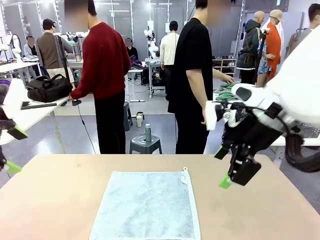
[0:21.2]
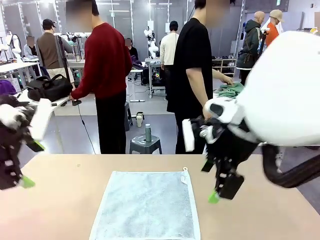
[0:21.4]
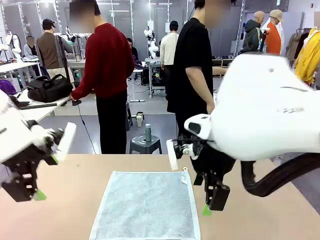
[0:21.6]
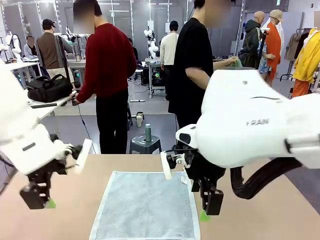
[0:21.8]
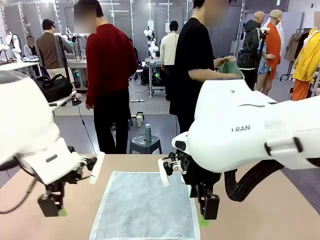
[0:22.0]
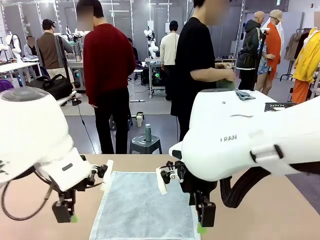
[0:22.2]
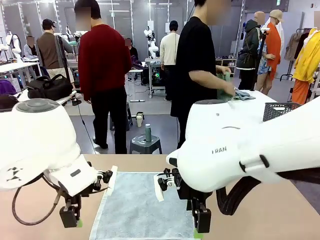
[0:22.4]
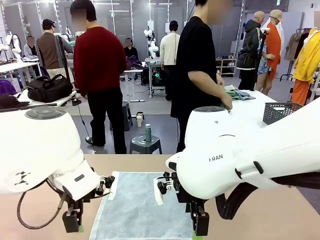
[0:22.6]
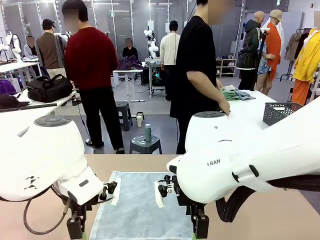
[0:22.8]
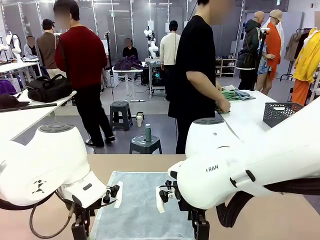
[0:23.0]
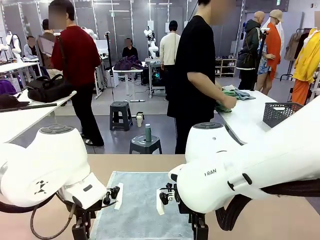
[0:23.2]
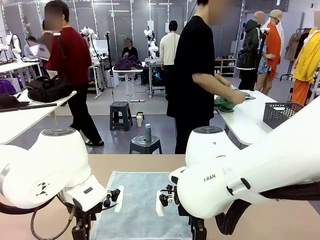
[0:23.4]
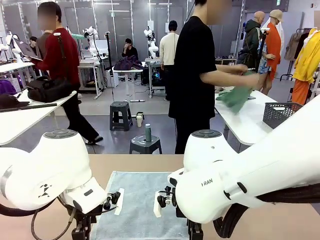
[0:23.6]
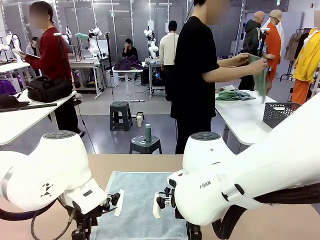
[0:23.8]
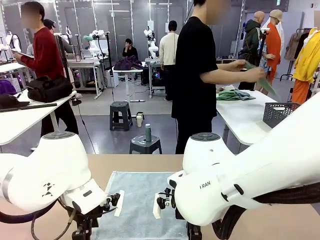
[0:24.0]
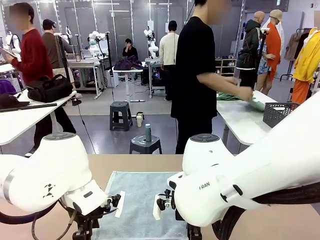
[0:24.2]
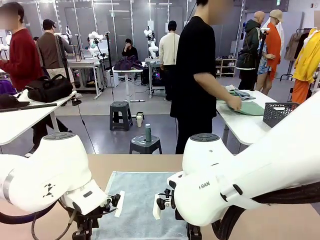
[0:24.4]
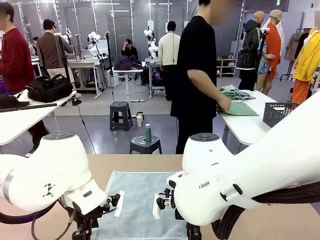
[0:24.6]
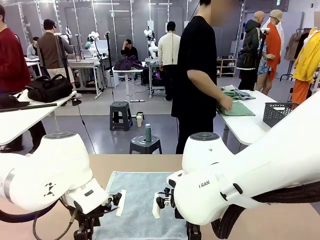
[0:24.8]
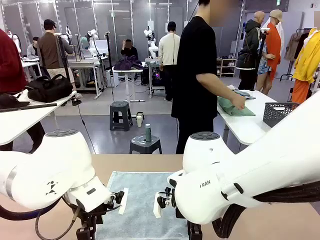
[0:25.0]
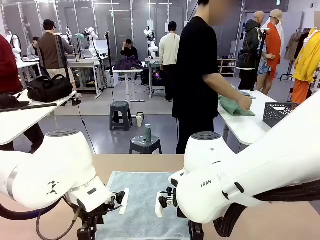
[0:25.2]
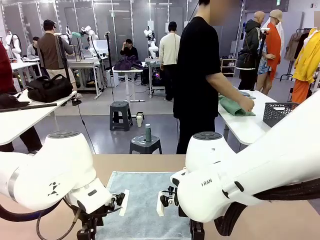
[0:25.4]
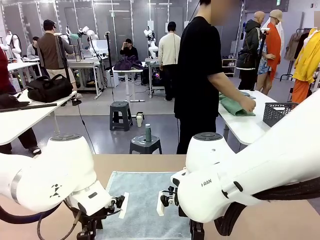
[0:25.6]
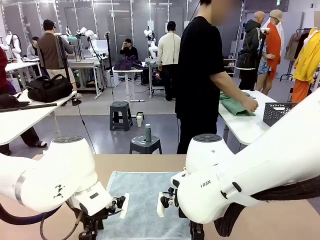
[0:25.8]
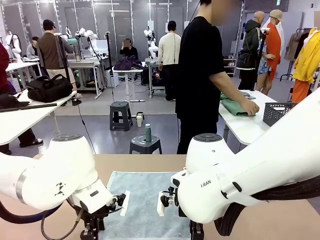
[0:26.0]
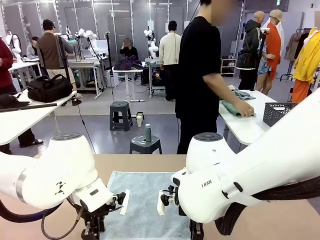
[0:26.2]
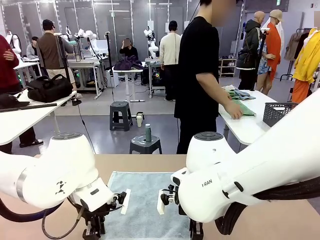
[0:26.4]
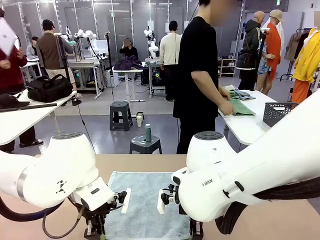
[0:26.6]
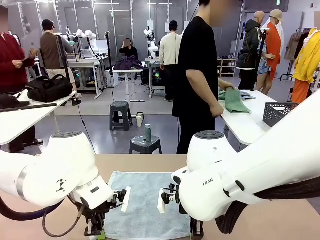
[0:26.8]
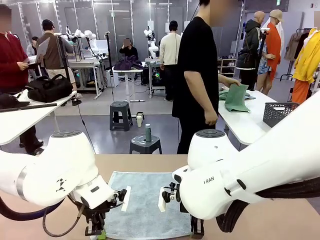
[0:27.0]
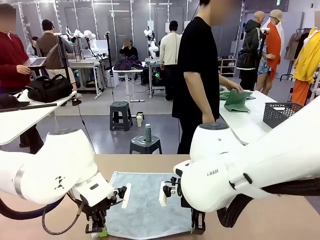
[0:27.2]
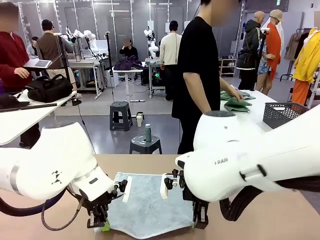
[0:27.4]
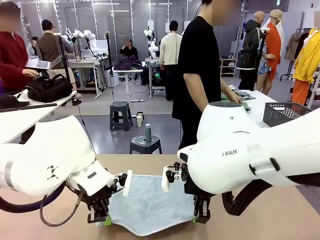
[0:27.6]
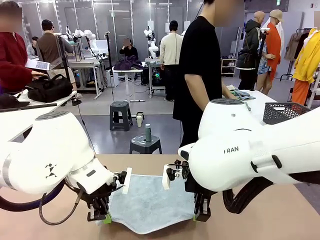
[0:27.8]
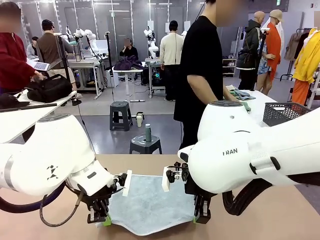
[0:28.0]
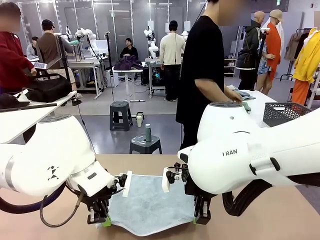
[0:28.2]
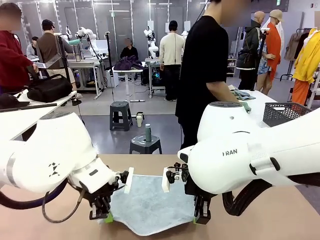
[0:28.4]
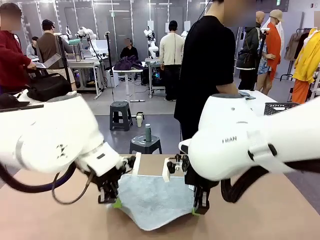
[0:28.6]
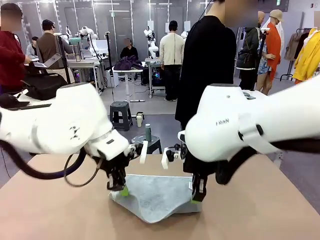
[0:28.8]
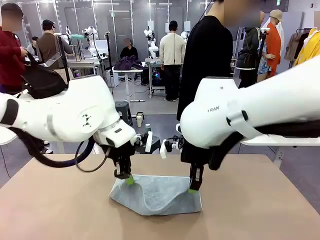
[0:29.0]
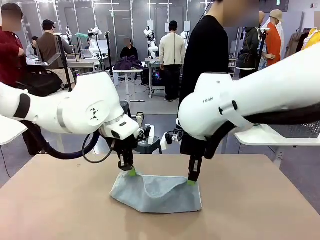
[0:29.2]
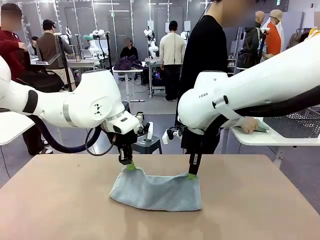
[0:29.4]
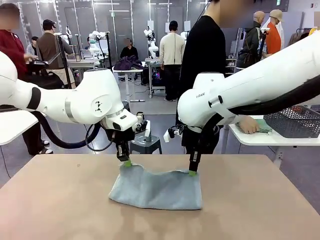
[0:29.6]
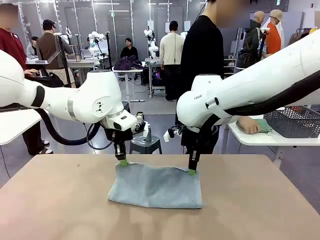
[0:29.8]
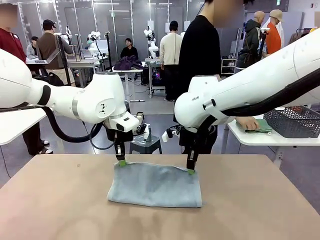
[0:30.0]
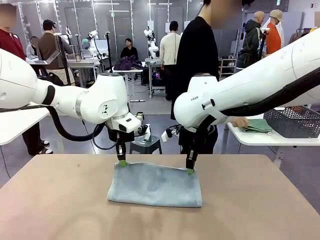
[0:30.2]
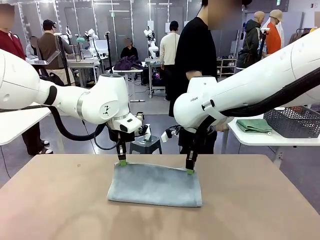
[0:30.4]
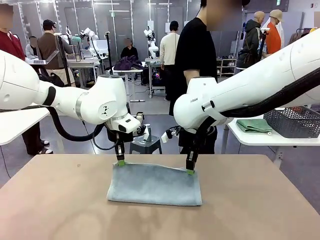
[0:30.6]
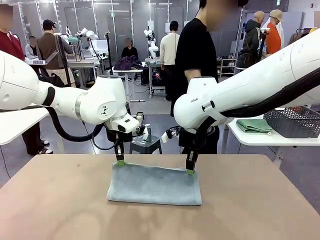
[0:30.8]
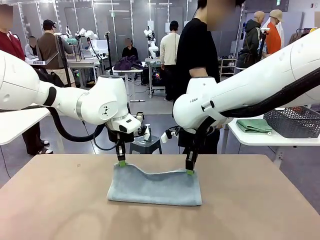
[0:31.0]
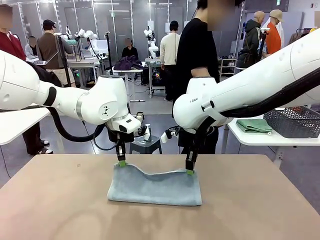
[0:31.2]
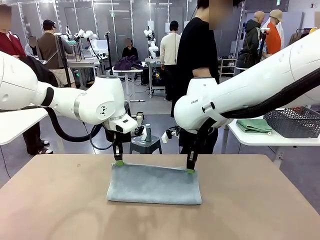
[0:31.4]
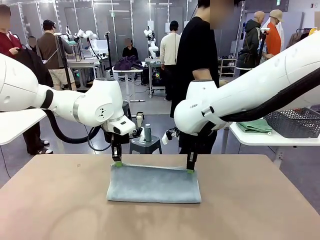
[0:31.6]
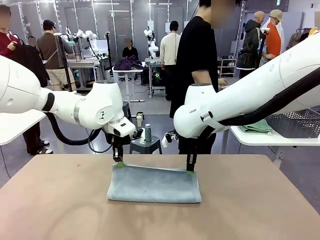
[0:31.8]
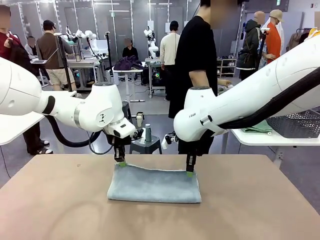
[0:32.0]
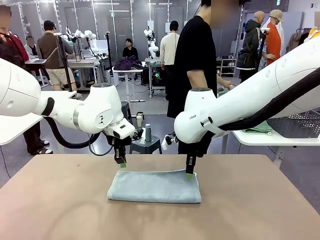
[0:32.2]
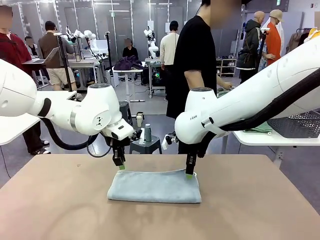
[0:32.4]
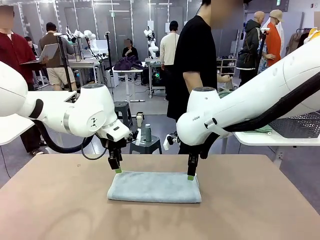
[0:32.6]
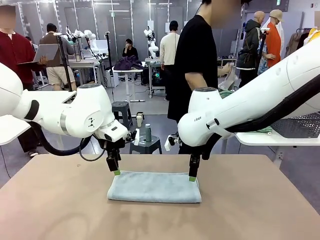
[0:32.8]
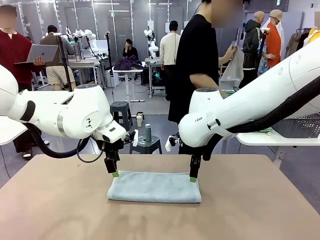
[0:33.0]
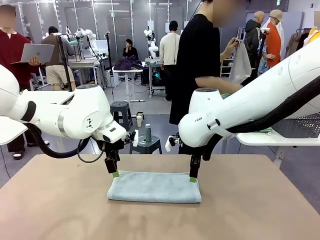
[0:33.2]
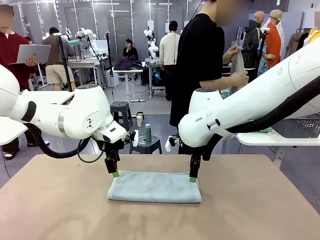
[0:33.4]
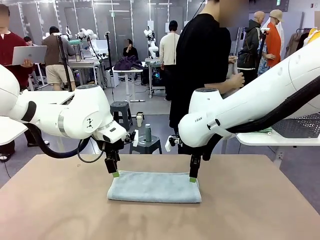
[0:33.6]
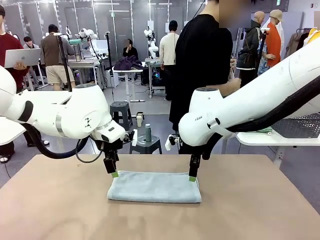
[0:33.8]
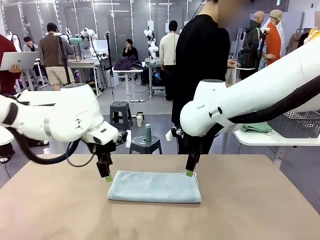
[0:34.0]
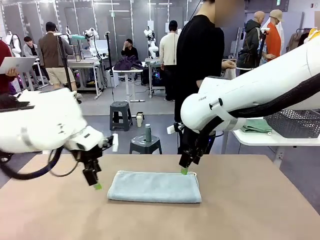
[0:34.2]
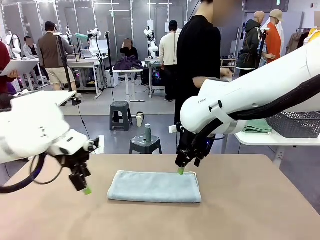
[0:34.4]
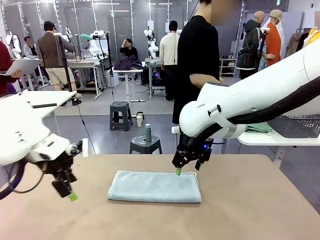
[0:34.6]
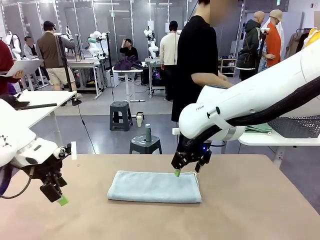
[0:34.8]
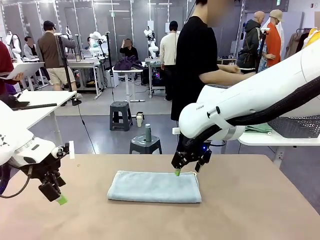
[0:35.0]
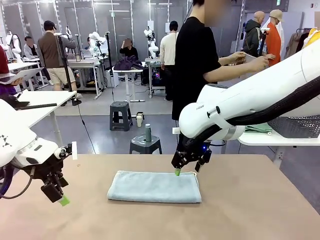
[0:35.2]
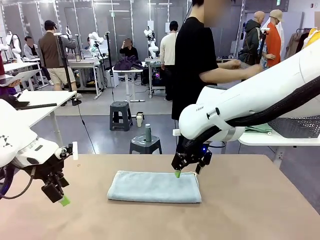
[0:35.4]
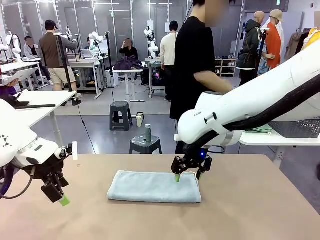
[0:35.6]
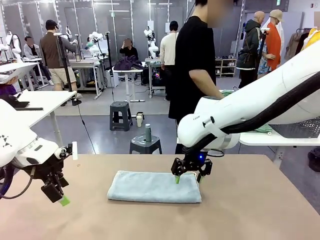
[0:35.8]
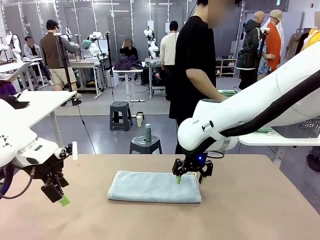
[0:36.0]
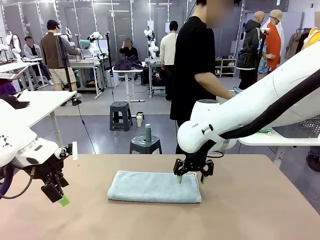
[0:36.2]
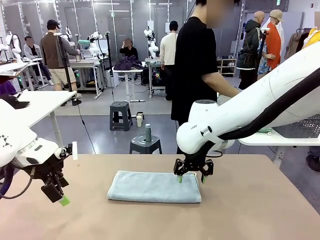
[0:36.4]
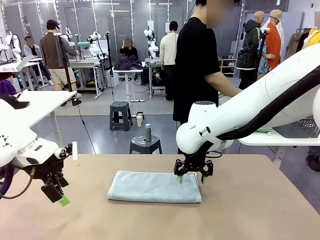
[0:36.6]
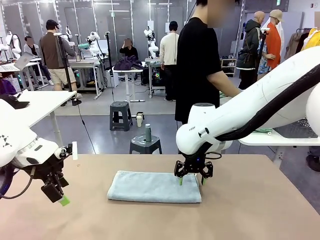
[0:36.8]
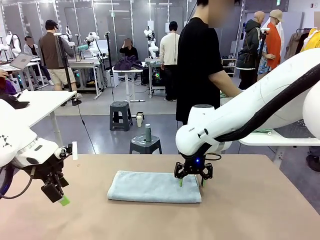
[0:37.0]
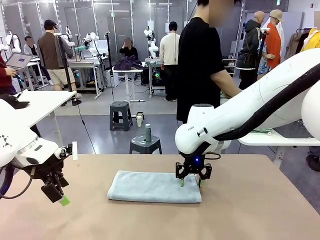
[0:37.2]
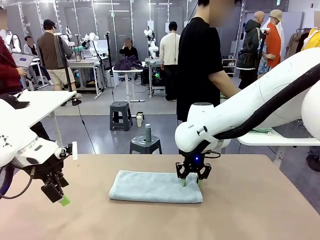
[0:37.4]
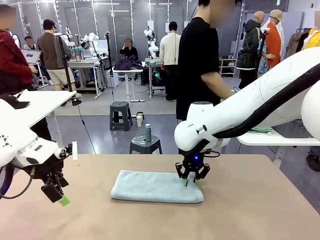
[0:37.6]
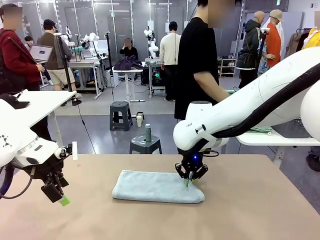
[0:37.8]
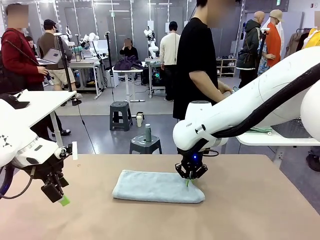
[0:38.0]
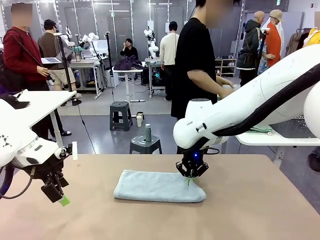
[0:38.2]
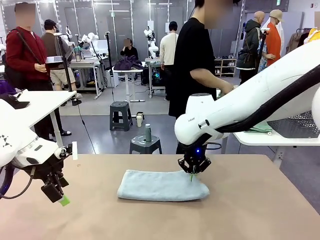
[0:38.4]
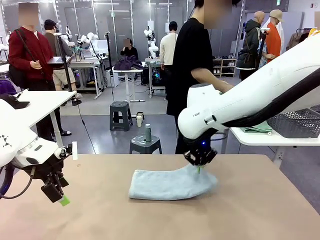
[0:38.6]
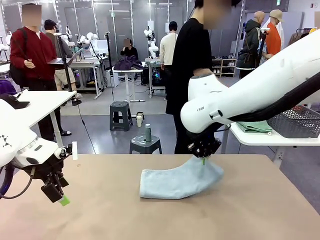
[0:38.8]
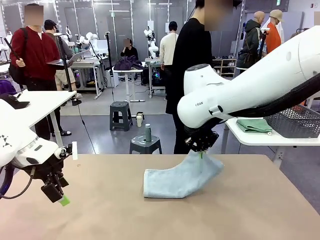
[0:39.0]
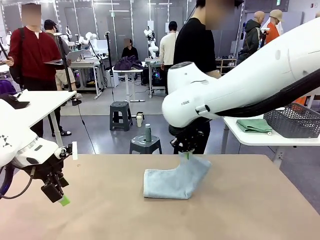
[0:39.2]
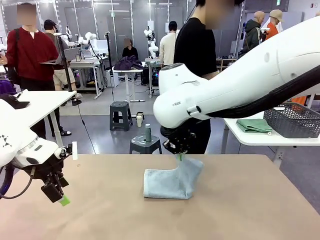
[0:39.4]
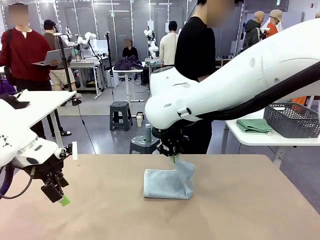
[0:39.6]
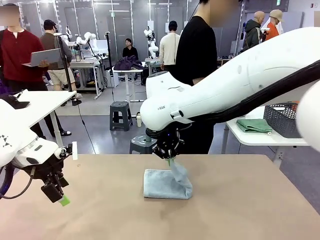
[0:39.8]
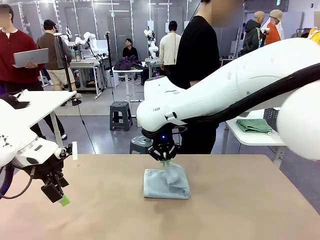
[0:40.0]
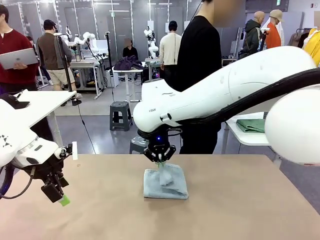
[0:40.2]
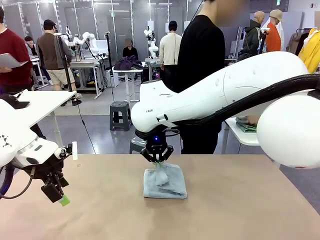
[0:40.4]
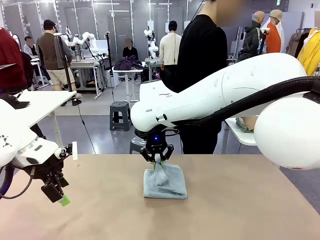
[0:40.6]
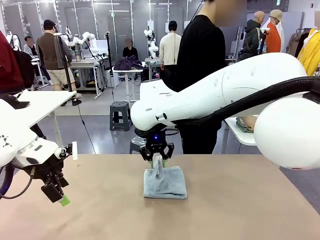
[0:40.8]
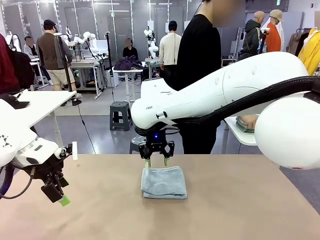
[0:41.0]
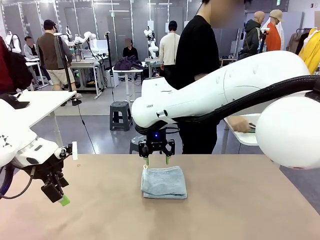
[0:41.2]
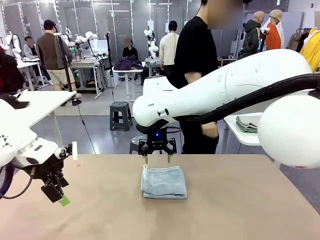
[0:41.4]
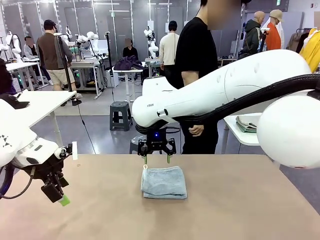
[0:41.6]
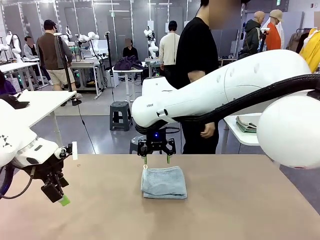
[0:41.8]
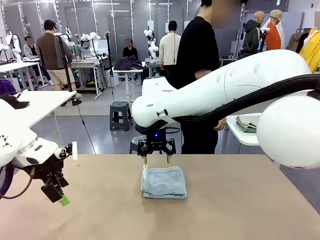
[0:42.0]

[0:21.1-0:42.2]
Task: Fold the towels and place them in the basket.
Robot: When a person lays out a Towel with hook on the table, fold it in half twice.
Person: Pick up one towel from the left side of the human table, fold it in half twice, and place it on the right side of the table. Pick up one towel from the left side of the human table, fold it in half twice, and stack it on the right side of the table.
